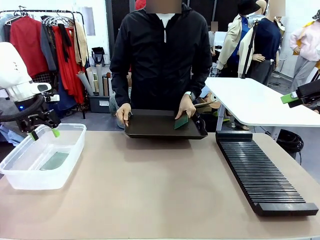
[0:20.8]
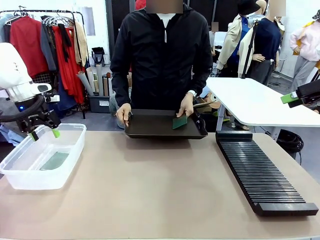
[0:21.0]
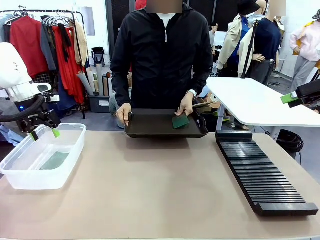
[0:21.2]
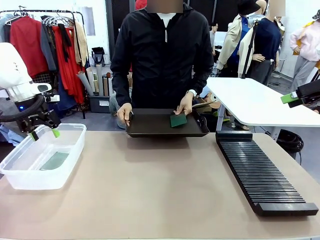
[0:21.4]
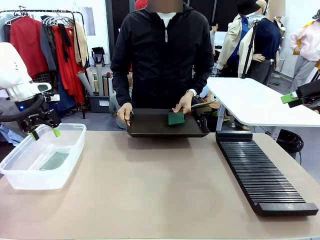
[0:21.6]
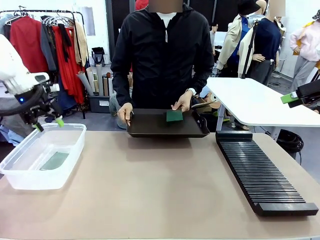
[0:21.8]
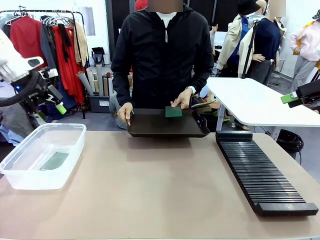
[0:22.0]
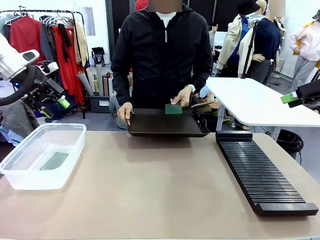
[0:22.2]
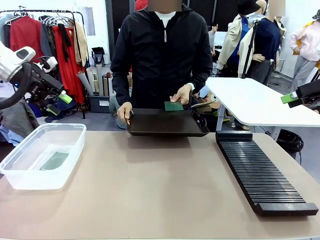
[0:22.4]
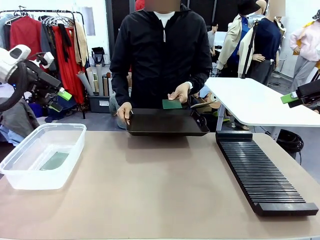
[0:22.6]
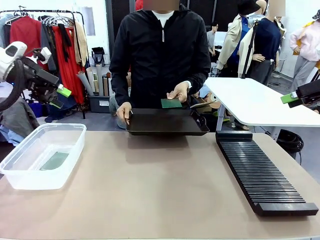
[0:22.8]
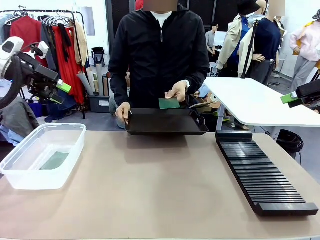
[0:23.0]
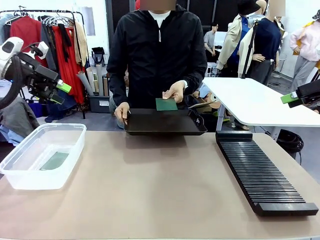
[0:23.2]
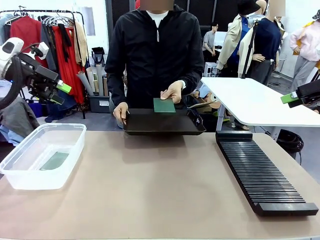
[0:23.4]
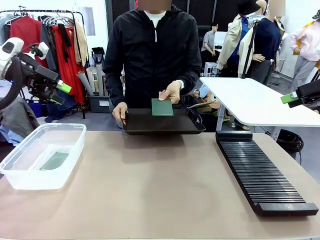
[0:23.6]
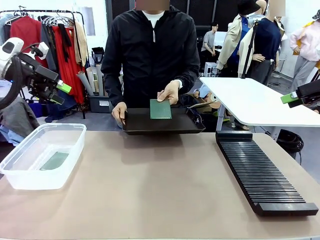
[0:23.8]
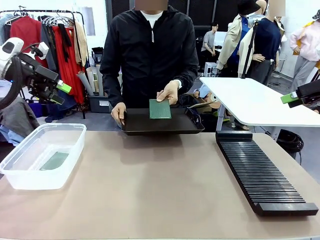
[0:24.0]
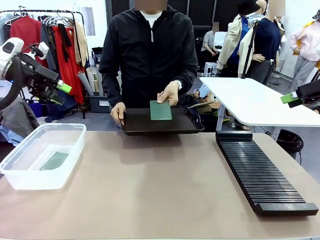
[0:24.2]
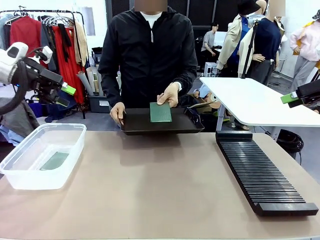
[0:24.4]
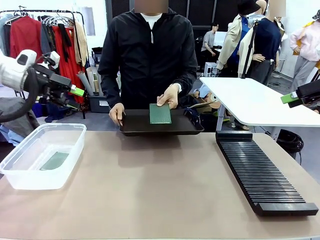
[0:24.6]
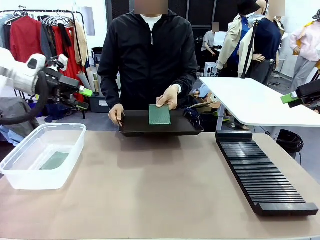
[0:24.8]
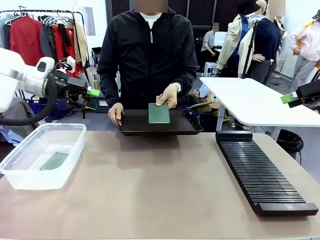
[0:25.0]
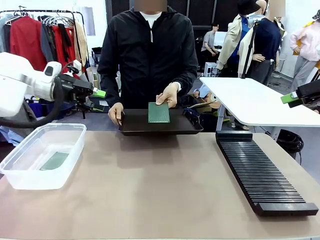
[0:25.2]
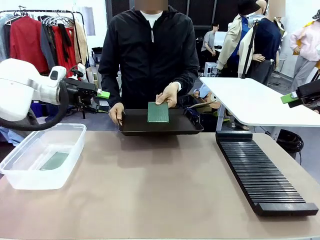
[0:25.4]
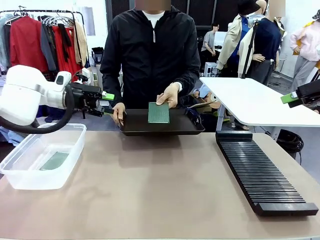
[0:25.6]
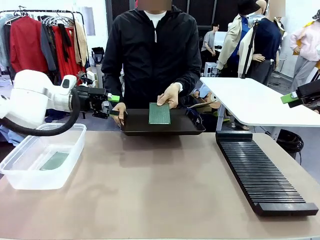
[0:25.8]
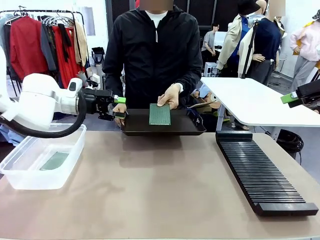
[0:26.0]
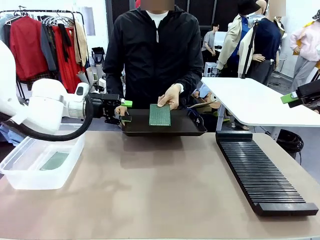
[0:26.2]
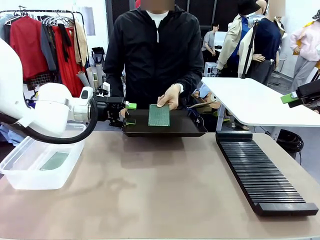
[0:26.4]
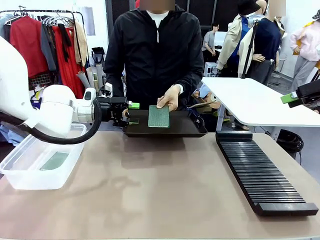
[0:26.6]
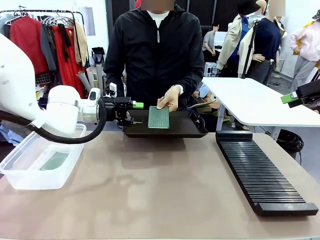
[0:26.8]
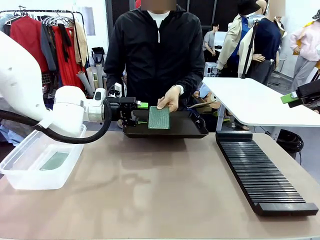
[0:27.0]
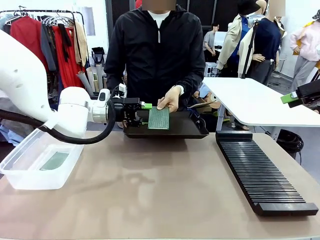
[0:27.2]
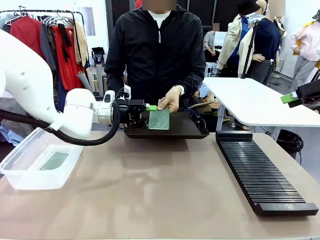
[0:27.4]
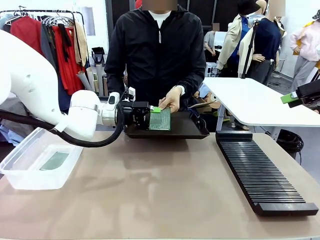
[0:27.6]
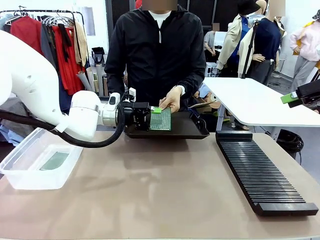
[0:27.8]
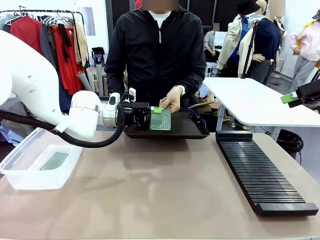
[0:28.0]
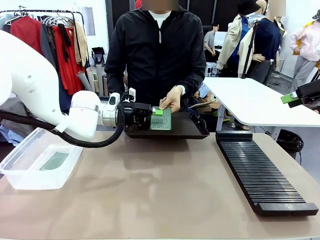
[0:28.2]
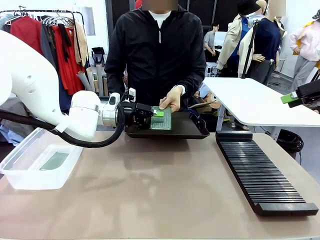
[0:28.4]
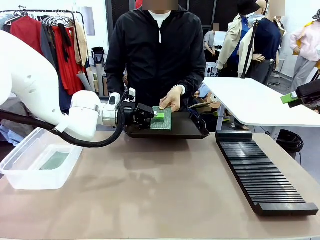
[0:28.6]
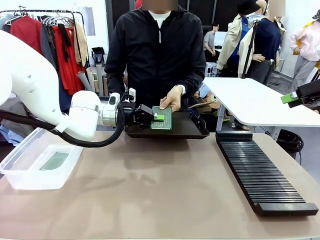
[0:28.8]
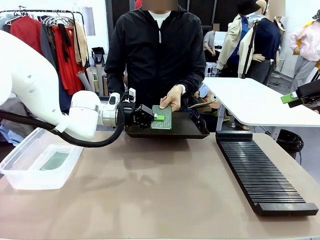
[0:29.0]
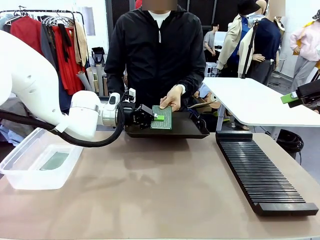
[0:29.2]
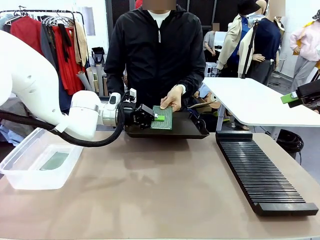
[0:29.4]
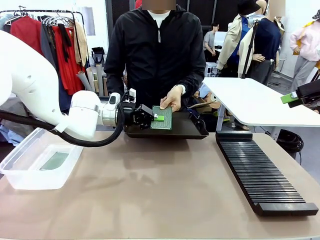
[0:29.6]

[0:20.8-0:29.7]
Task: Sort PCBs into racks and boxes based on the side picked up.
Robot: Pick up the Blank PCB handed by the Human.

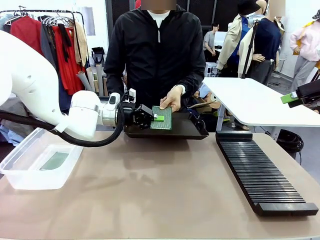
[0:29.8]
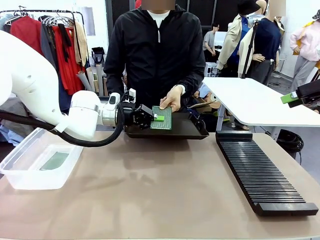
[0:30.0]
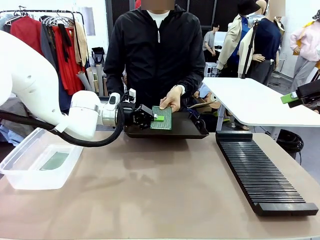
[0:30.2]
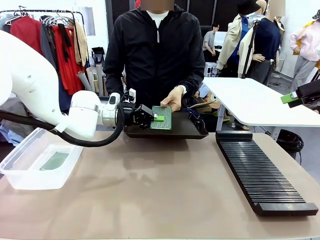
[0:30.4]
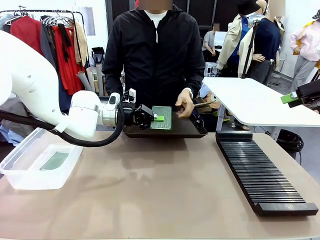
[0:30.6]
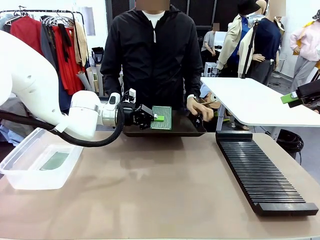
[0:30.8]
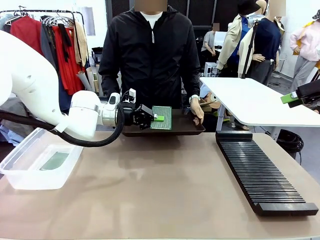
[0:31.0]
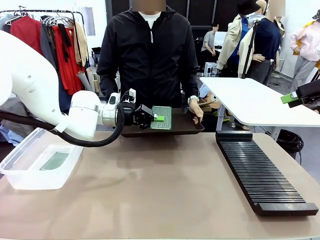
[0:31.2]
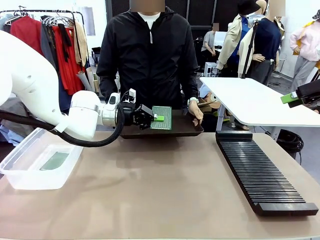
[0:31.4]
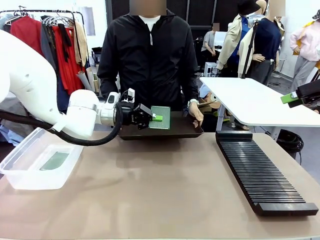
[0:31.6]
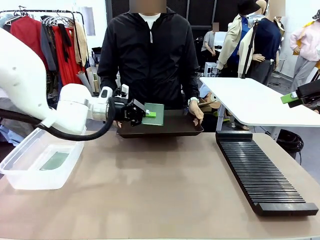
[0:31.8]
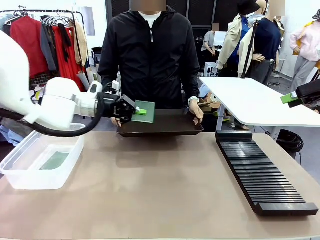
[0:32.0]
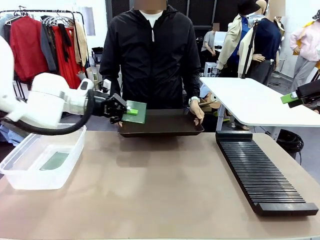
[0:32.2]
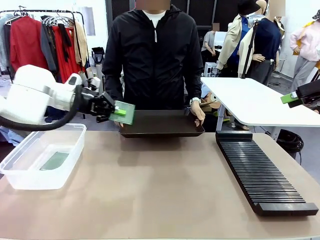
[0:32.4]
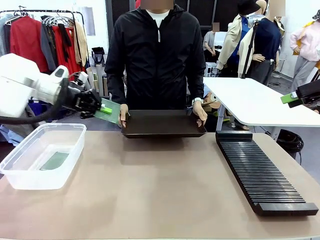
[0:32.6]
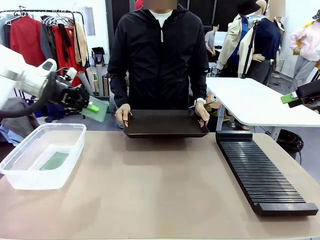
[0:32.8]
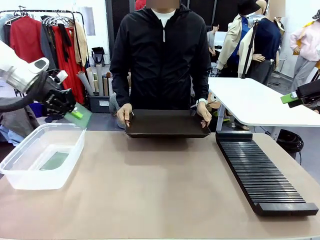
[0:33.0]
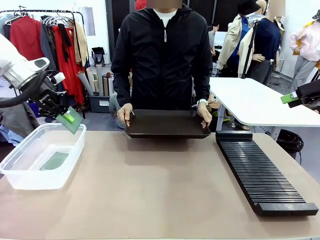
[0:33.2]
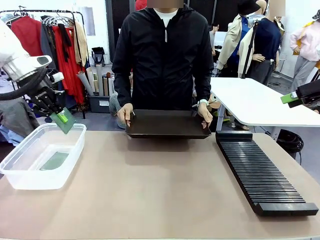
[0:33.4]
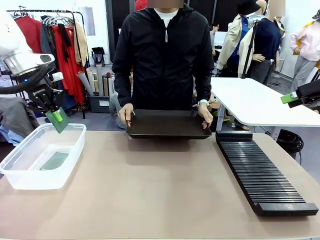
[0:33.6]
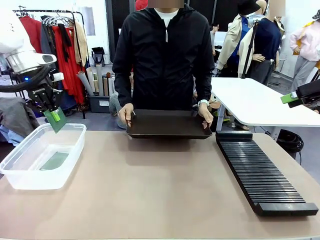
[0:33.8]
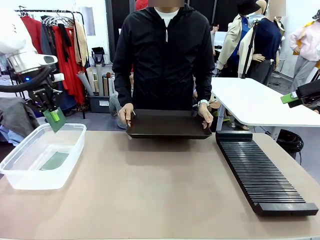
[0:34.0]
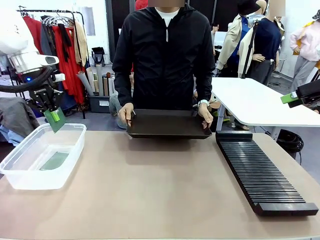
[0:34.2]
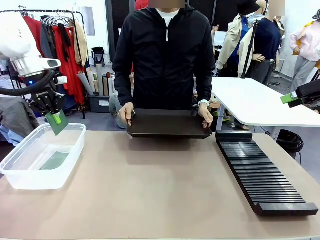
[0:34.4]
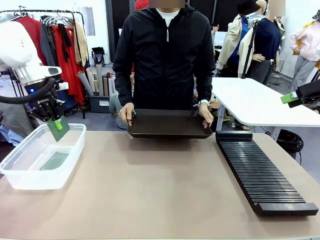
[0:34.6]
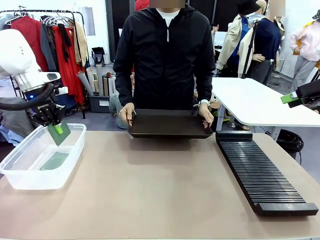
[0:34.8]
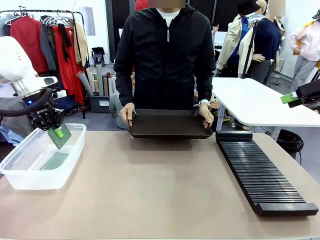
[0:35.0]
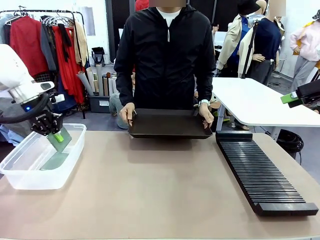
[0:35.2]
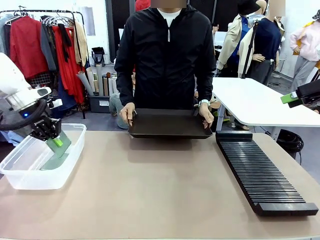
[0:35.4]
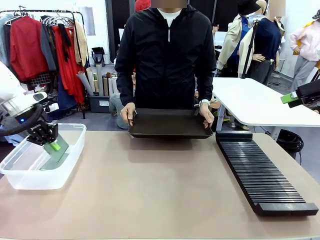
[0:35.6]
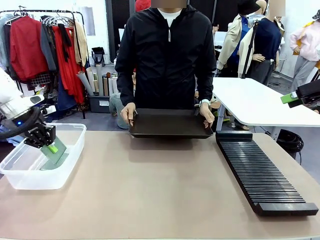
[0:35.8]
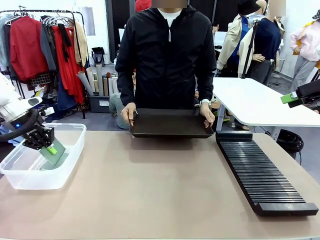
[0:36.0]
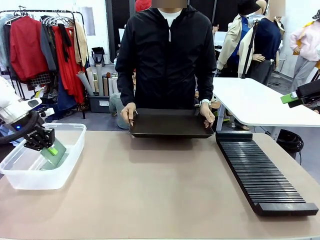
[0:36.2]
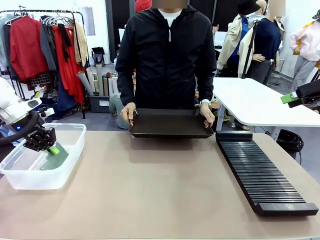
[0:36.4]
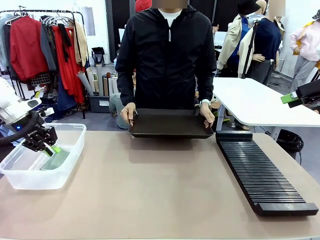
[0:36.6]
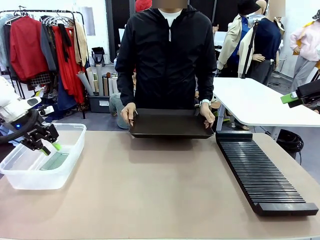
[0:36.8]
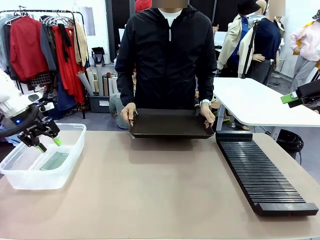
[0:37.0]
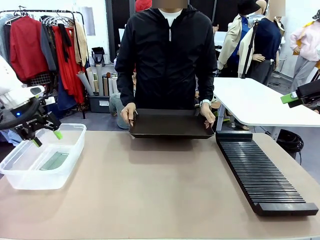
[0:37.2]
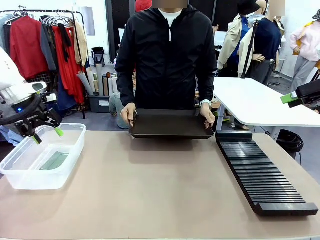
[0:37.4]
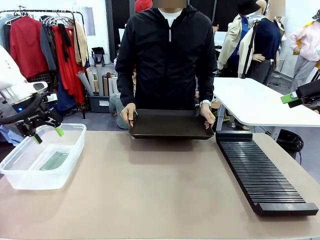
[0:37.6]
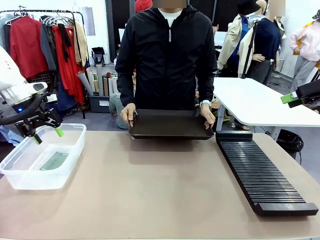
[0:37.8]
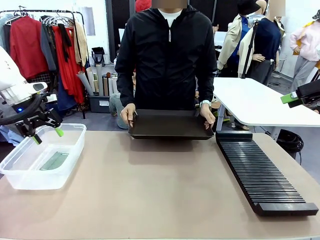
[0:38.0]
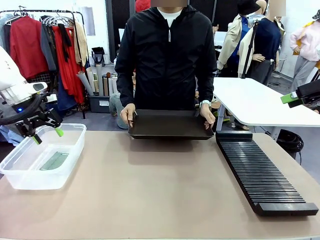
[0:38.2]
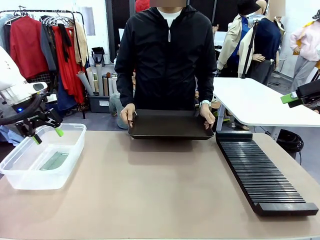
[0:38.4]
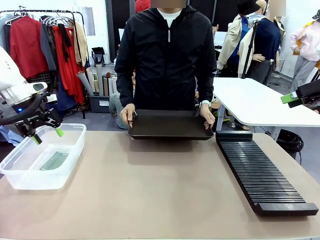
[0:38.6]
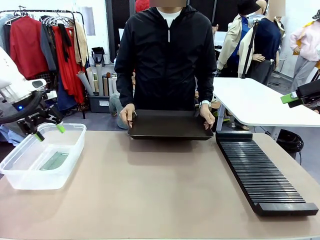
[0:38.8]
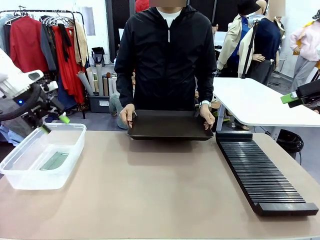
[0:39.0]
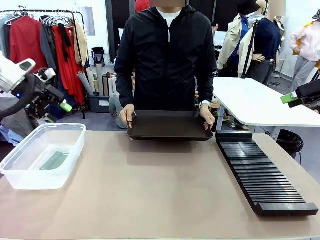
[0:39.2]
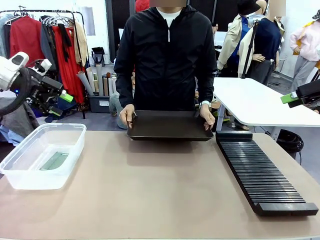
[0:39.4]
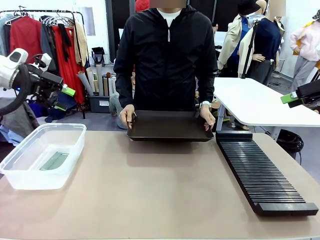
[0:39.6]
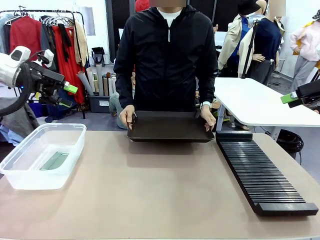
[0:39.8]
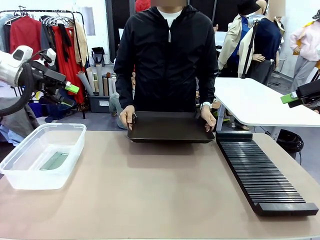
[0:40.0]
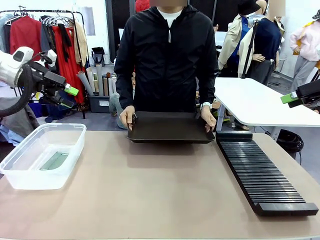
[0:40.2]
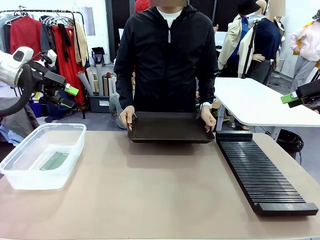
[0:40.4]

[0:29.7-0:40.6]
Robot: If the short side of the Blank PCB is picked up, insert it into the PCB Rack ; if the long side is picked up, place it in the Organizing box.
Person: Release the PCB being held.

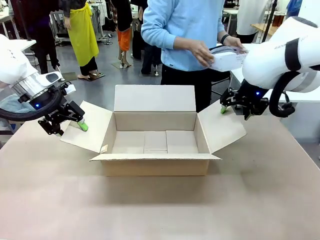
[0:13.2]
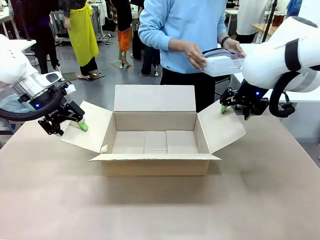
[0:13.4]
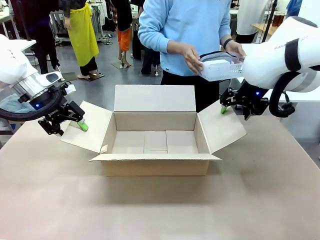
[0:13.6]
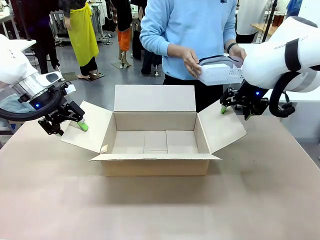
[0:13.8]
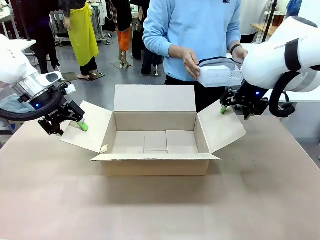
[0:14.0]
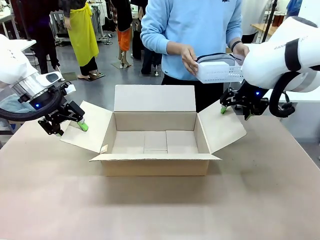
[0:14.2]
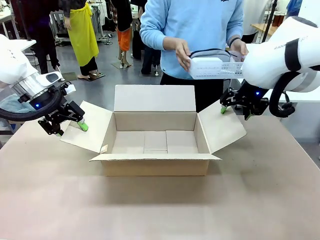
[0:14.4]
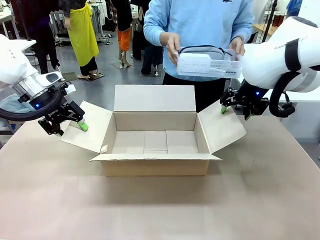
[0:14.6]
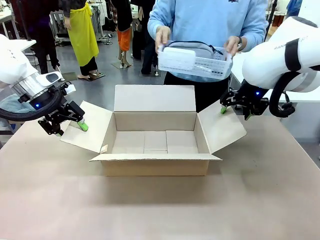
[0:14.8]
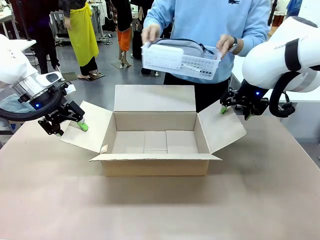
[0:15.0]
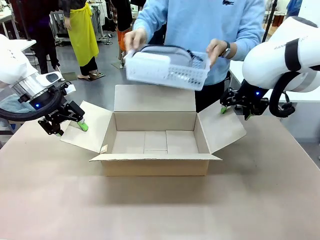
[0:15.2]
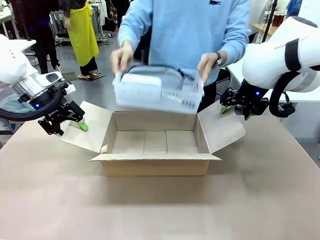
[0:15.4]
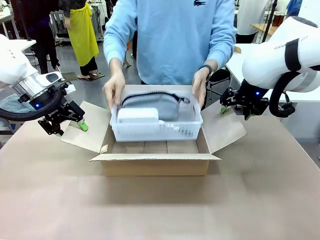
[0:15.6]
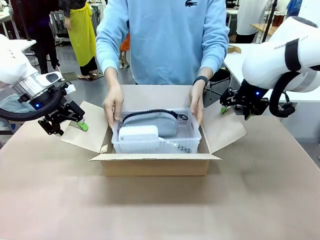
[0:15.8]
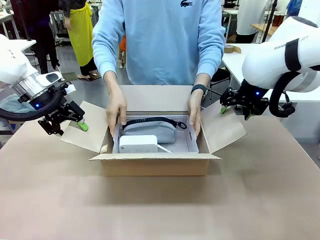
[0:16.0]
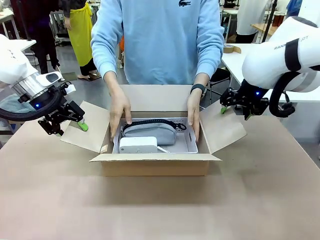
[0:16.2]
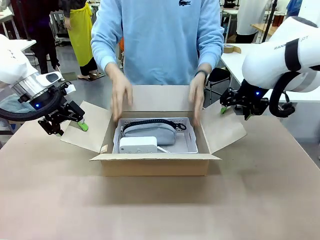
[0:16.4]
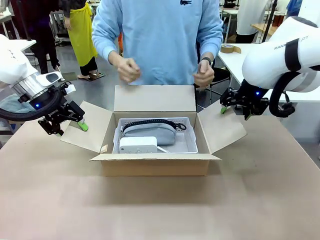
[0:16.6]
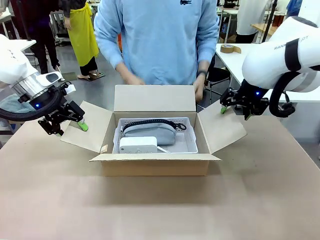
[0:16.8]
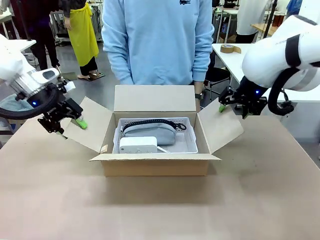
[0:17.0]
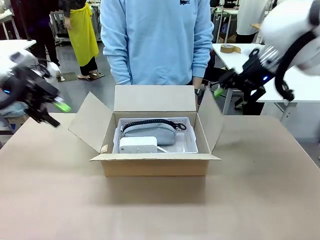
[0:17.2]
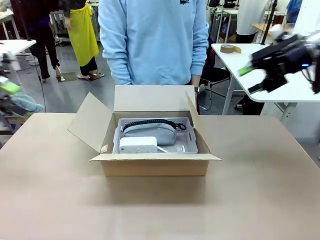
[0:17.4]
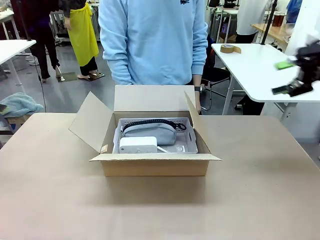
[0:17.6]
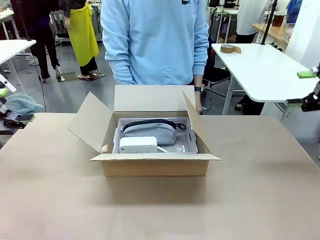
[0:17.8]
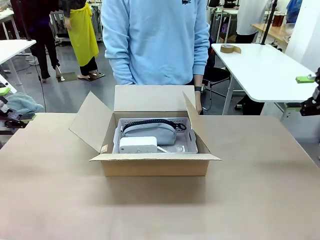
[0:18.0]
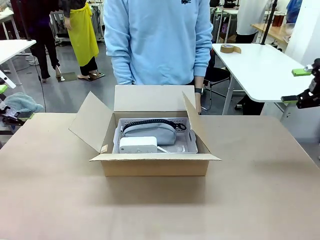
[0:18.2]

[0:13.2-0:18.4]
Task: Pack the gift set into the box.
Robot: Lift both hands away from the flaps of the Package Box.
Person: The human picks up the organizing basket and places the organizing basket into the package box on the robot table.
